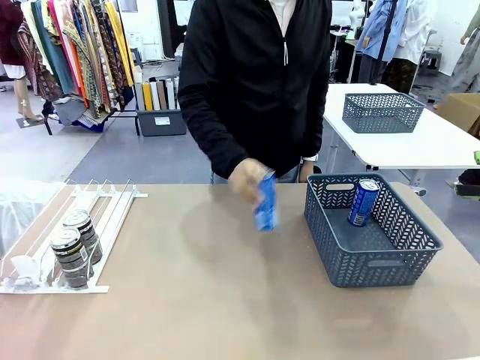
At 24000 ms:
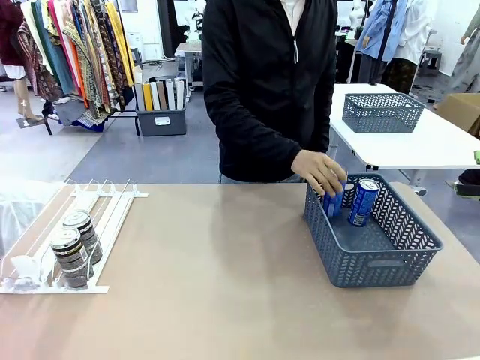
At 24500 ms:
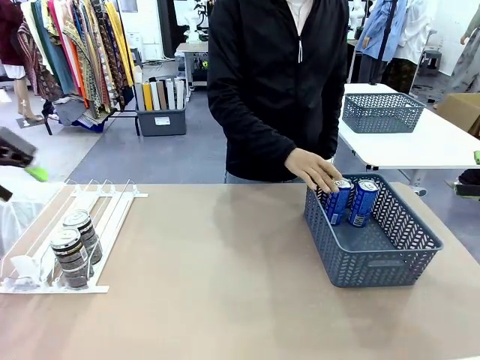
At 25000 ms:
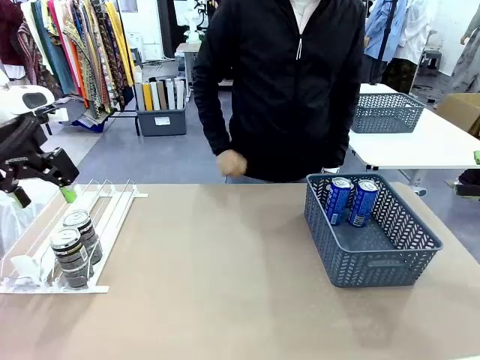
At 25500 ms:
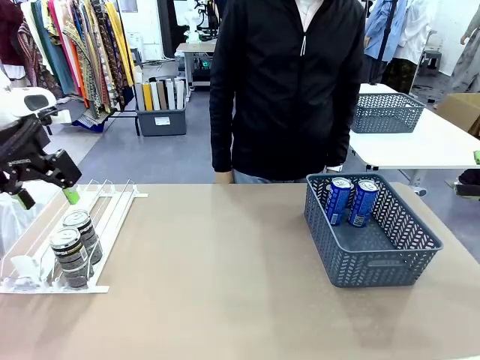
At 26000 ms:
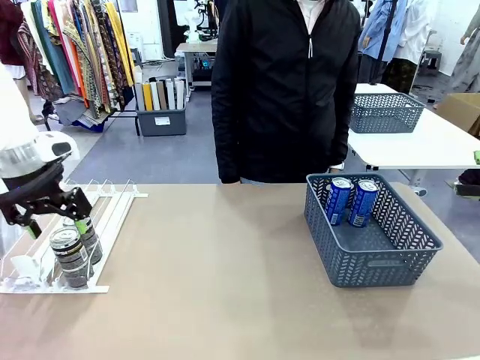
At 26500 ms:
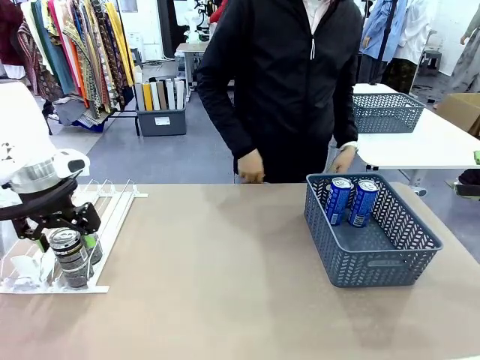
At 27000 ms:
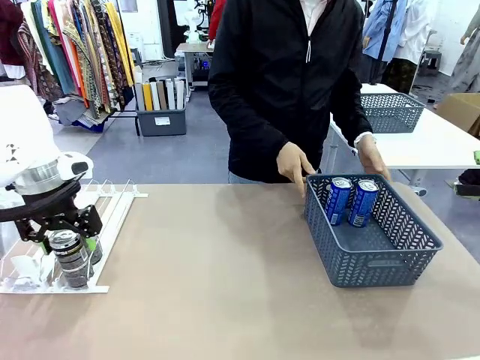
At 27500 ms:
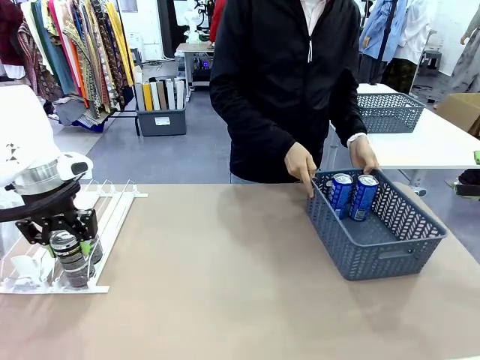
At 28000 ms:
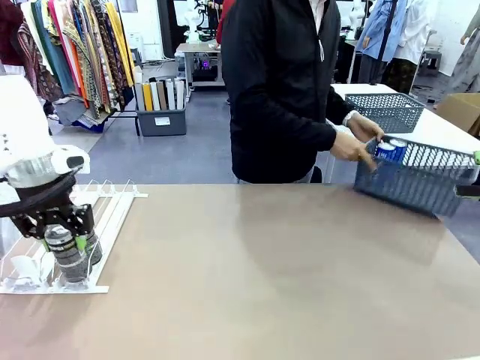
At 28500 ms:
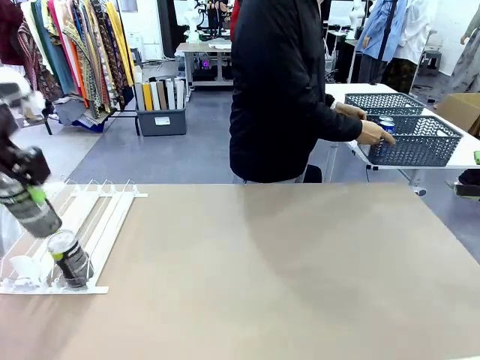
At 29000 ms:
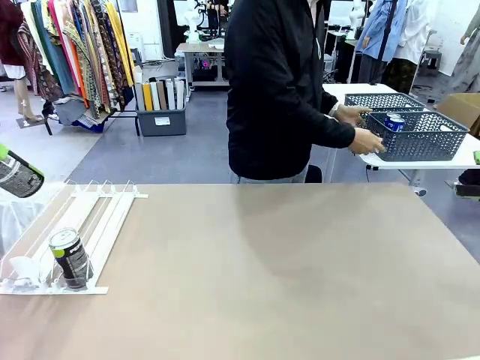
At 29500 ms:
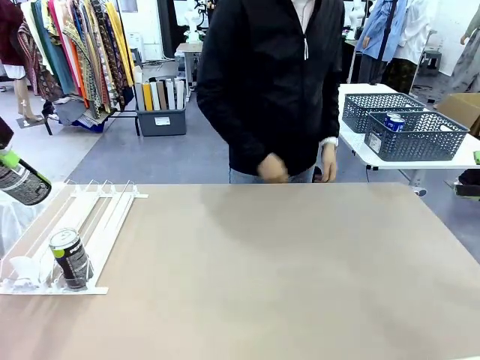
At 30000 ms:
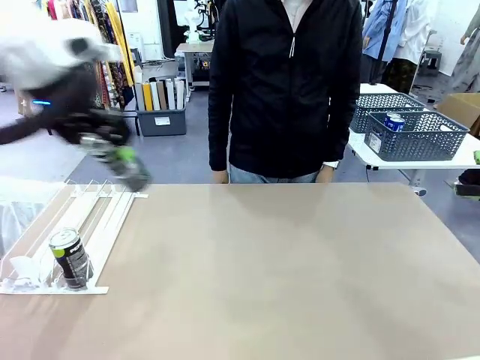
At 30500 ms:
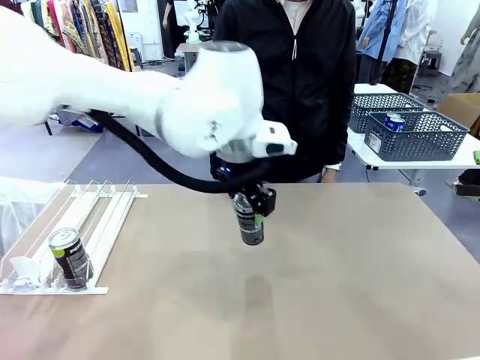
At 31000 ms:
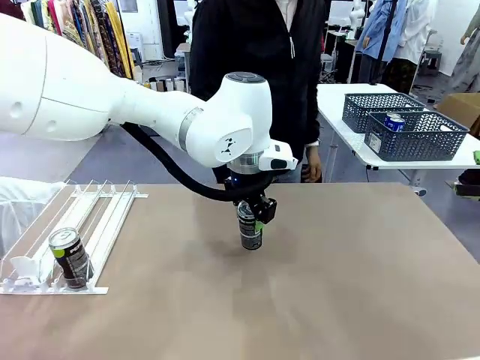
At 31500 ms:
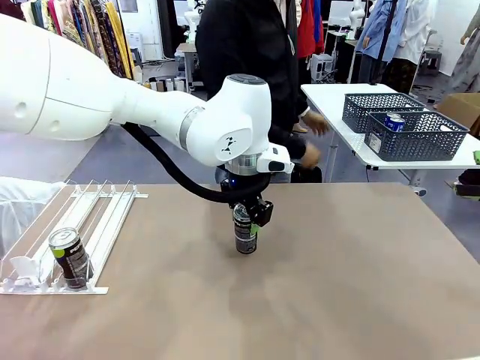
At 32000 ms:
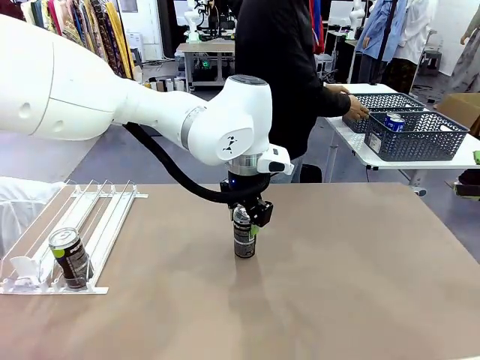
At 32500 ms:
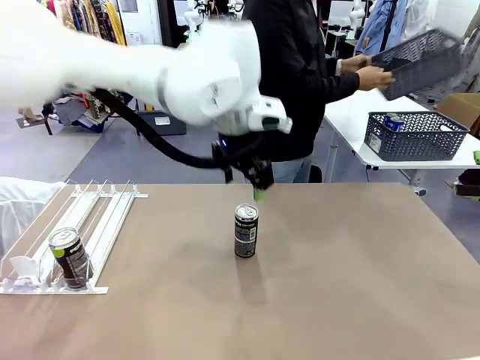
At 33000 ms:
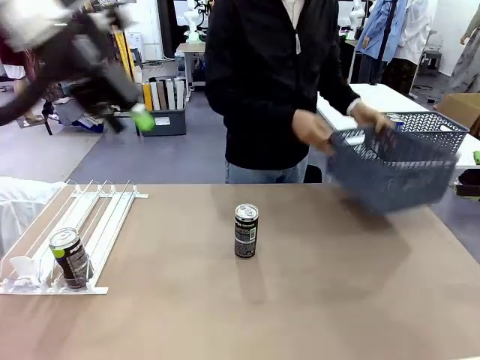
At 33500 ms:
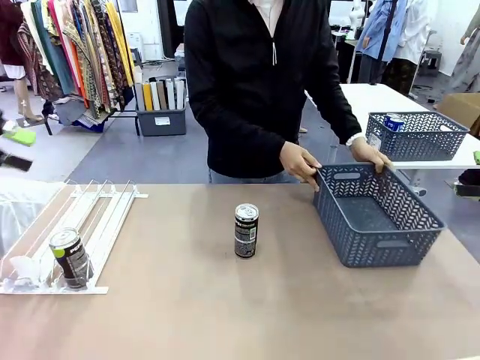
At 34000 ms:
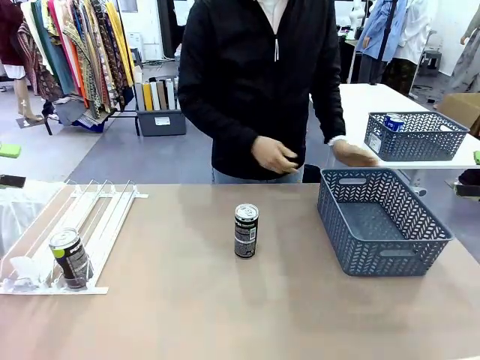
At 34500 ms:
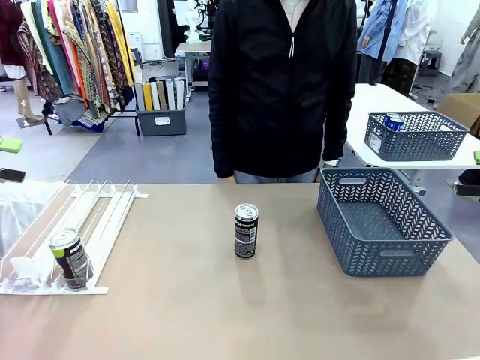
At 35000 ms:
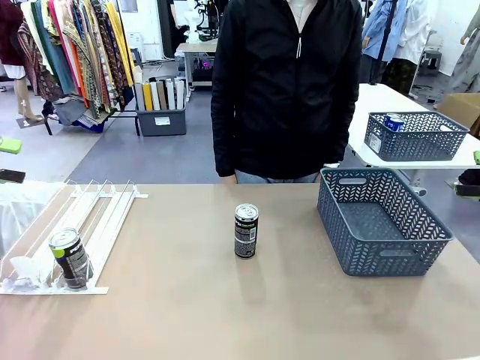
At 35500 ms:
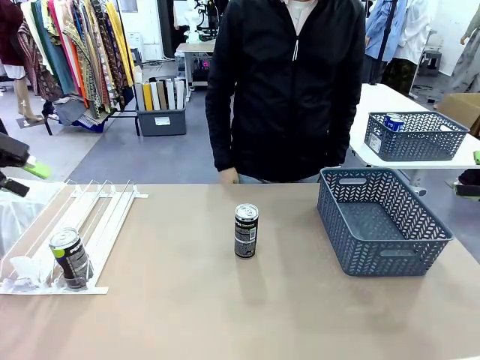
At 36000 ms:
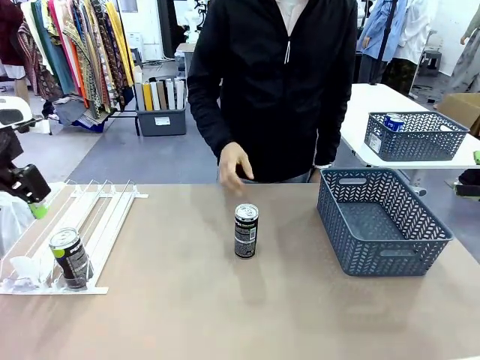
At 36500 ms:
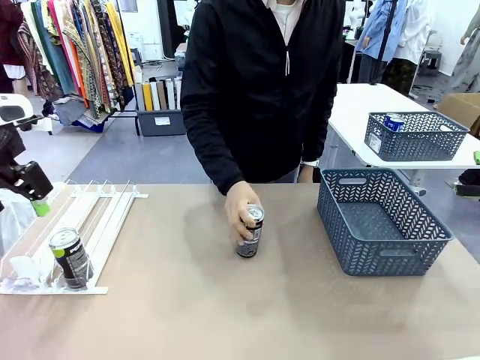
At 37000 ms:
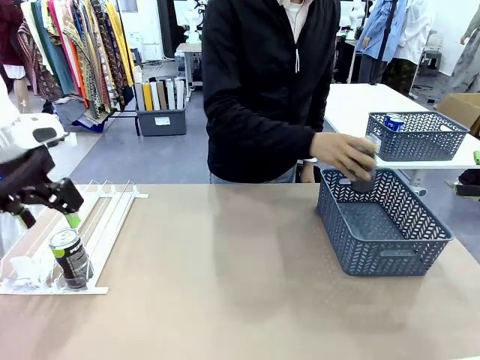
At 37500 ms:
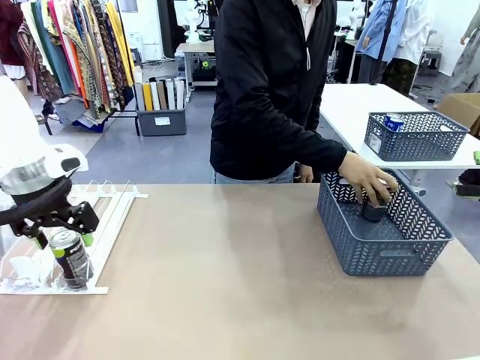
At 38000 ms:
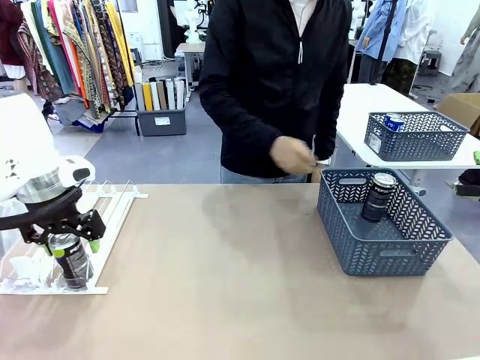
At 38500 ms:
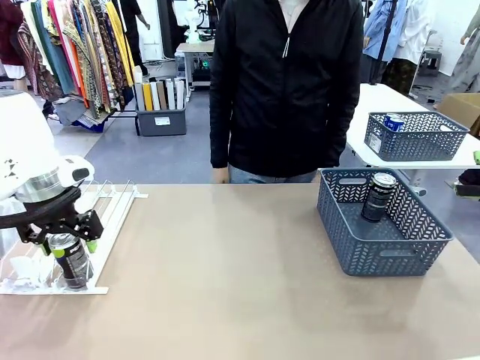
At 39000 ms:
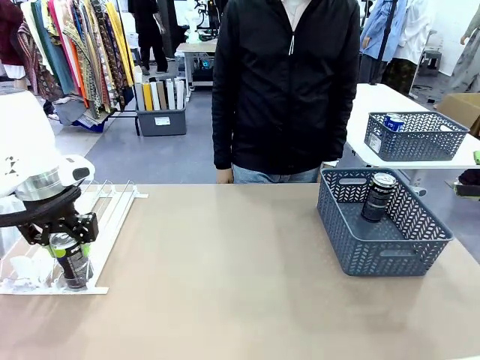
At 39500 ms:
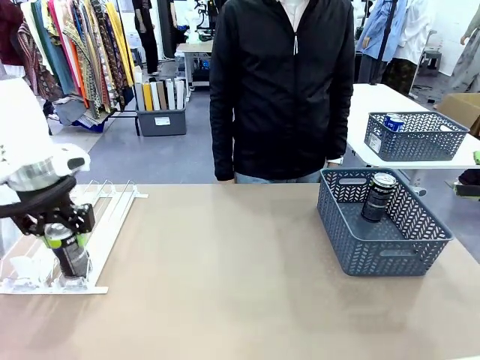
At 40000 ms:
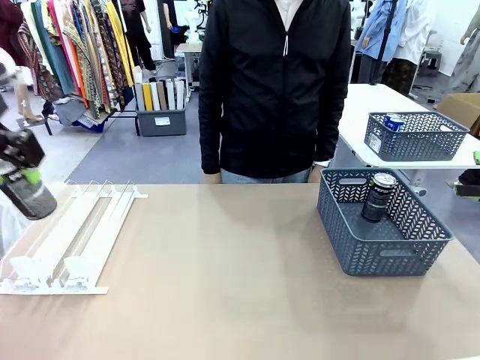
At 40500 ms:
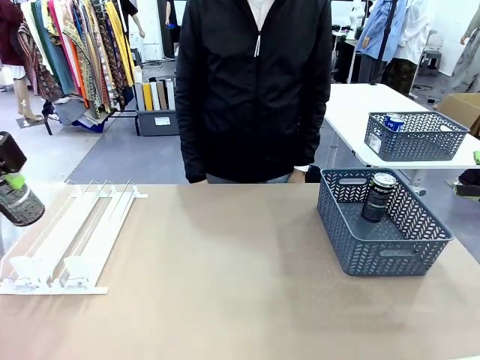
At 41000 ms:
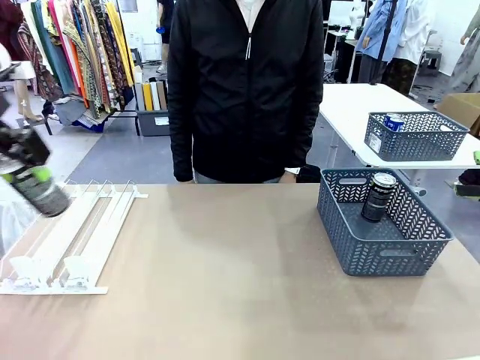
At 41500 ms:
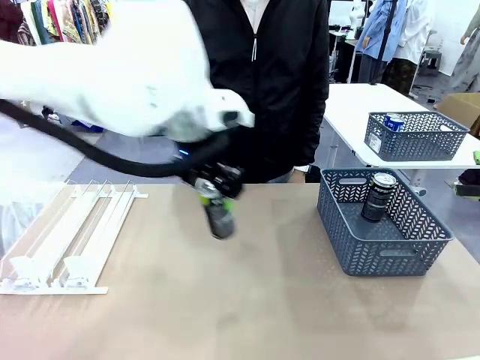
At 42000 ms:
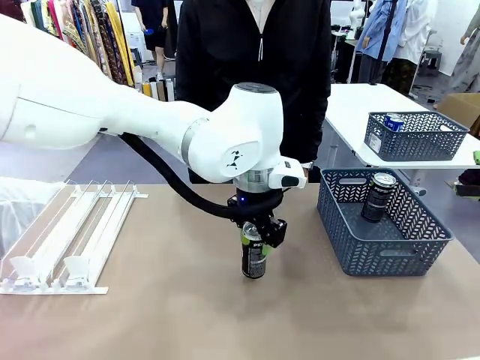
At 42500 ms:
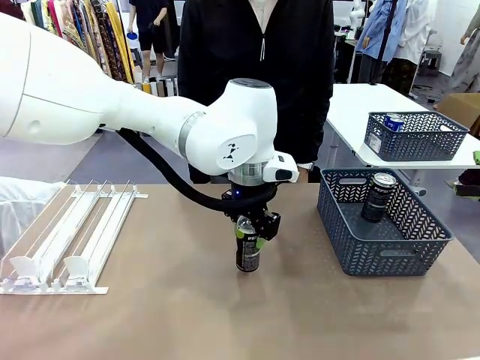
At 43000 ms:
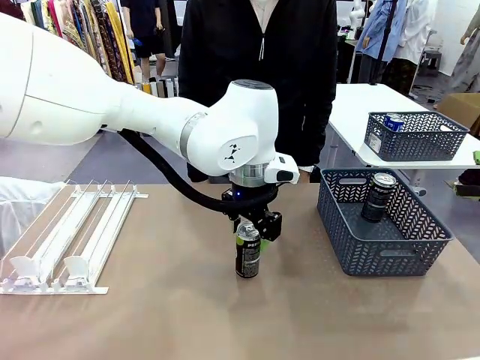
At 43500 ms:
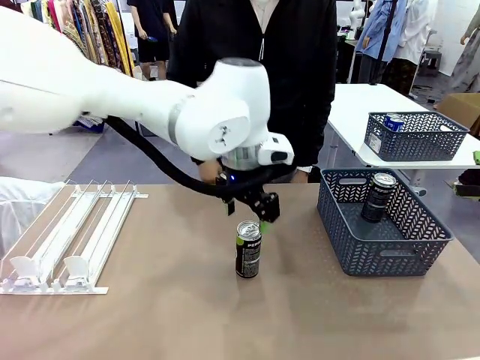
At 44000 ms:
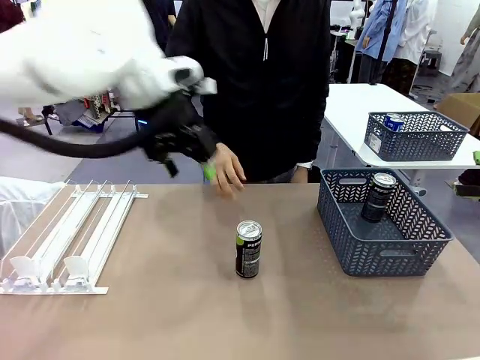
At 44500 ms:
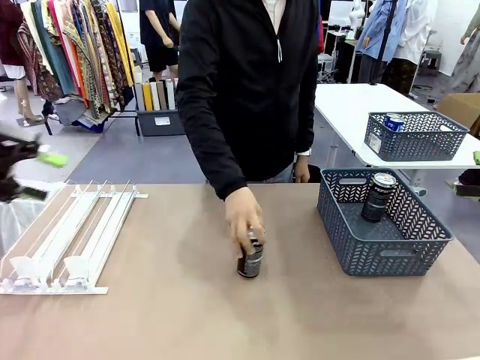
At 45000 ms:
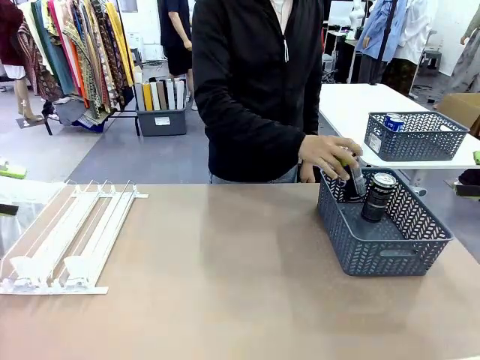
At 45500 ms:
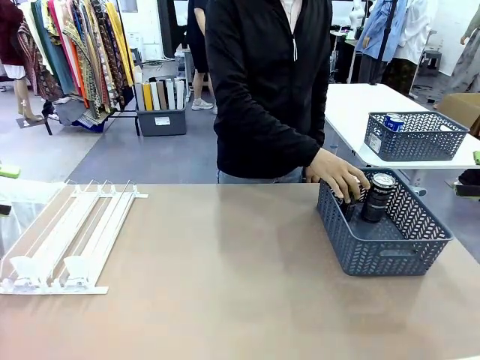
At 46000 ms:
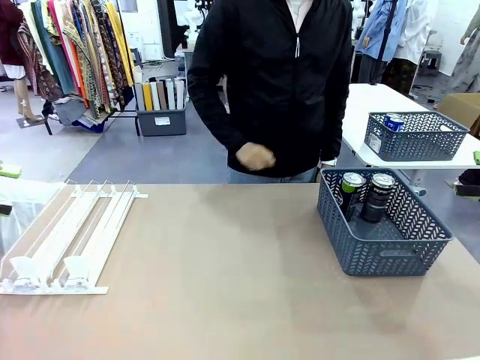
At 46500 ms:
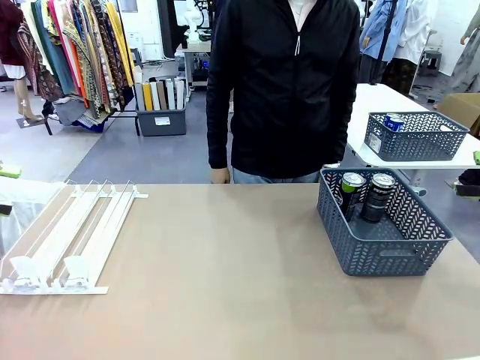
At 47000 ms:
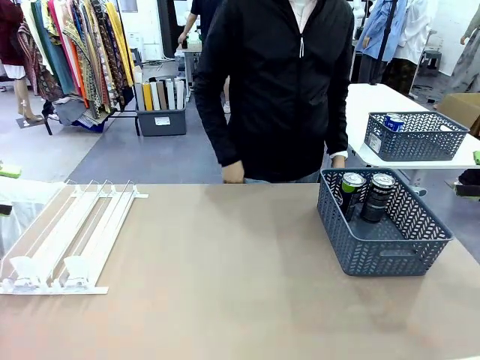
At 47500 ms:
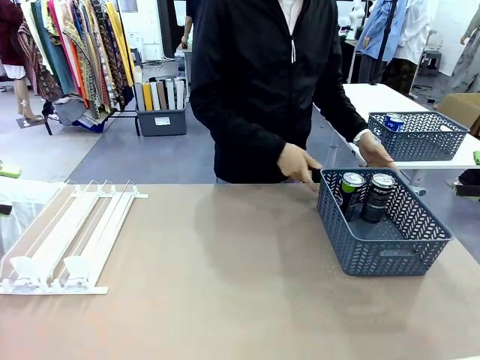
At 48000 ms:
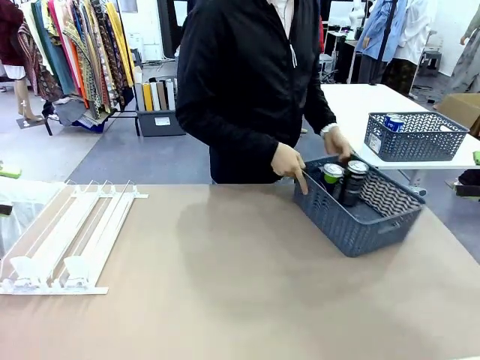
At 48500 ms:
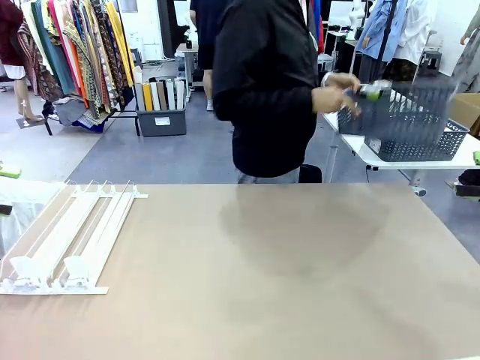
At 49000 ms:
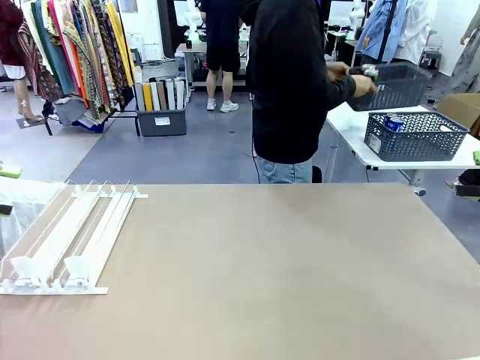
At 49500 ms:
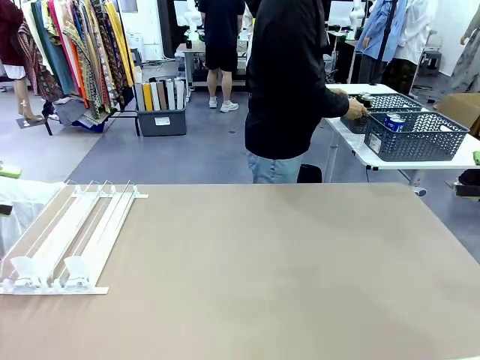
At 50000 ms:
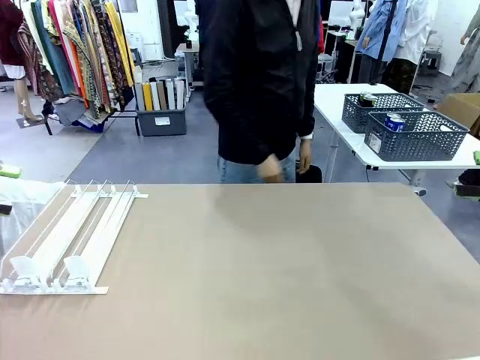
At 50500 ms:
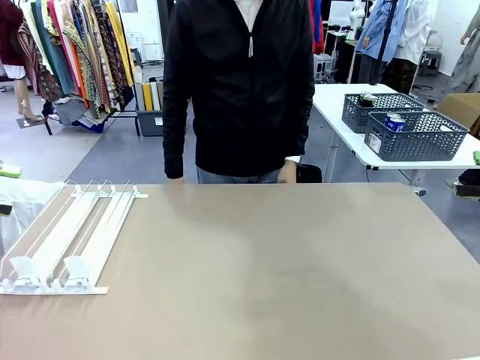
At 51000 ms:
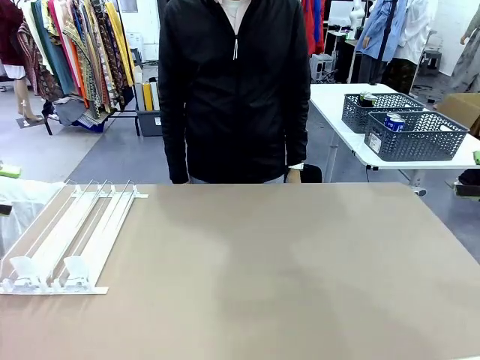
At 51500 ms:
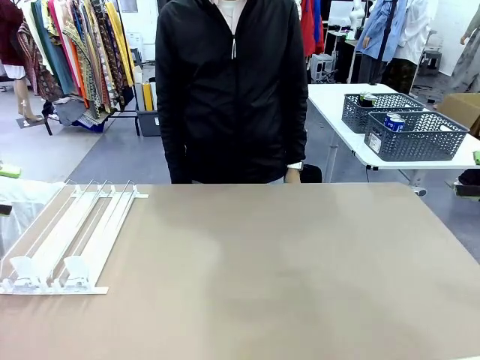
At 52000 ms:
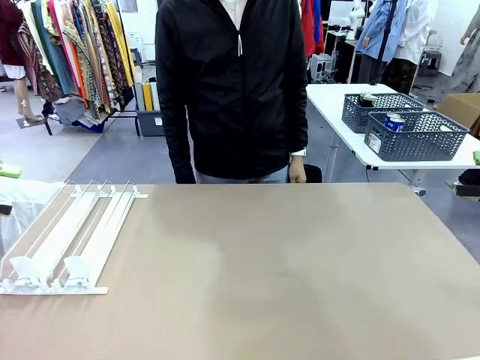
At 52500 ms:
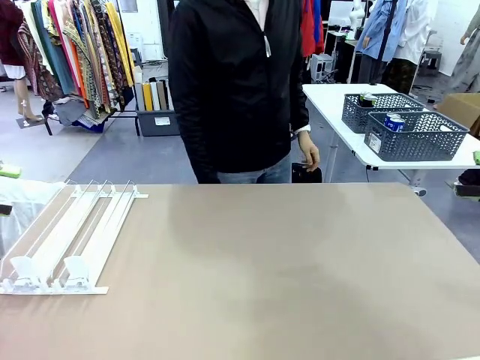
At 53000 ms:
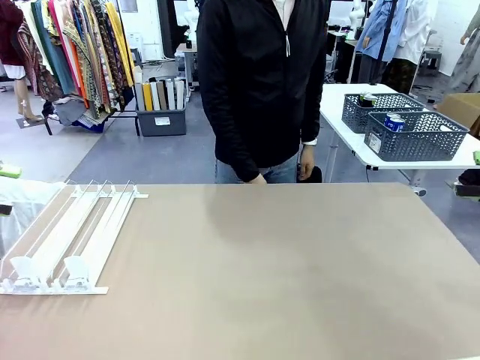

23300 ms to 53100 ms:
Task: Retrieve and store the cans from the dispenser.
Robot: Pick up one can from the Automatic Can Dispenser and place it in the middle of the table.
Person: Pick up the basket and place it in the middle of the human table. Pick up the empty basket and place it on the left side of the robot table. Pick up one sports drink can from the middle of the robot table and place it in the basket. Pick up the basket and place it in the middle of the human table.
